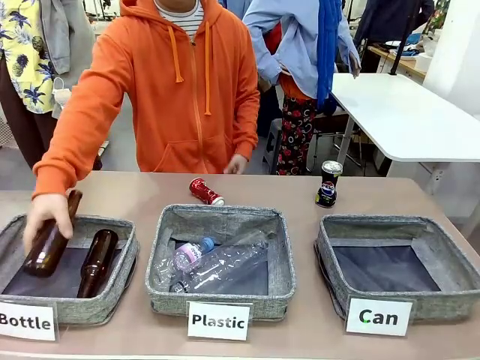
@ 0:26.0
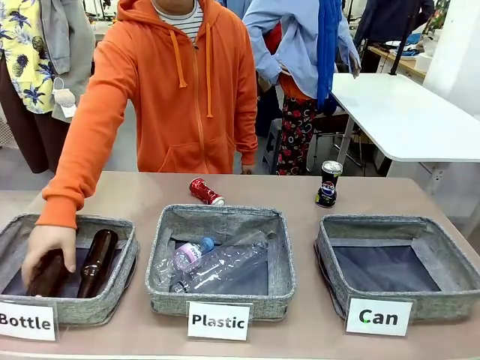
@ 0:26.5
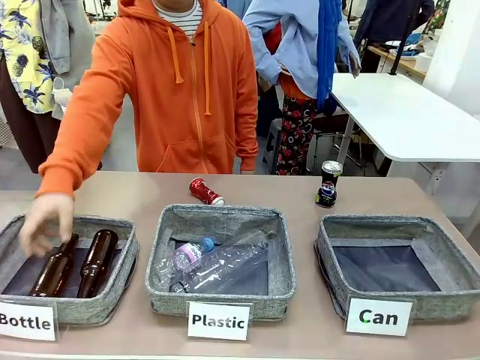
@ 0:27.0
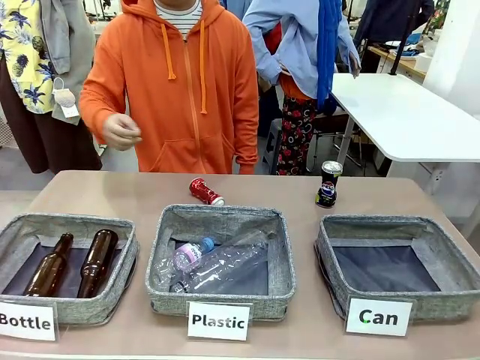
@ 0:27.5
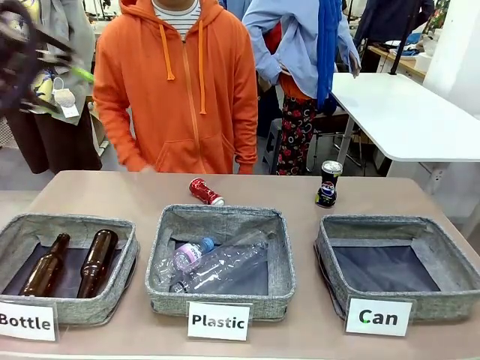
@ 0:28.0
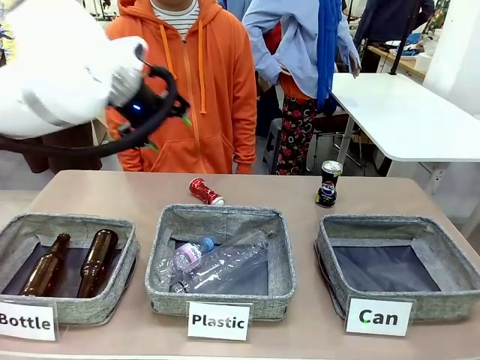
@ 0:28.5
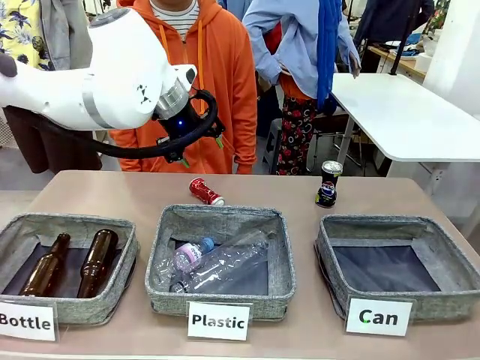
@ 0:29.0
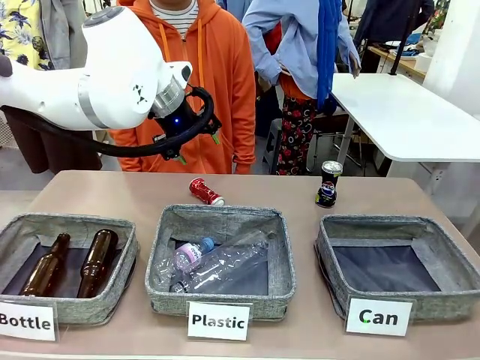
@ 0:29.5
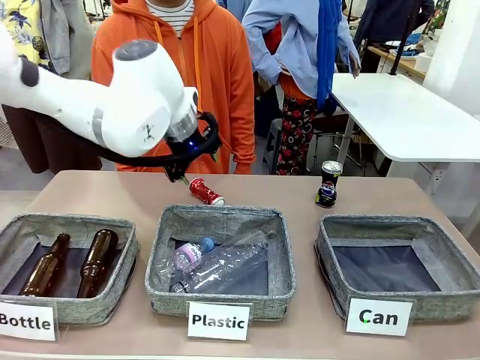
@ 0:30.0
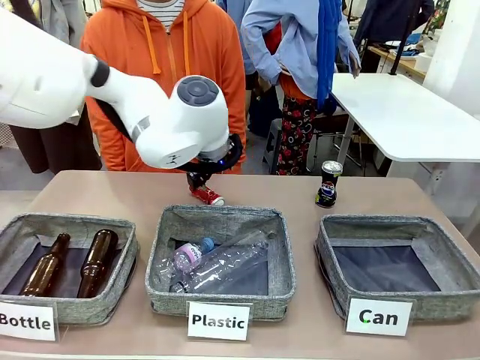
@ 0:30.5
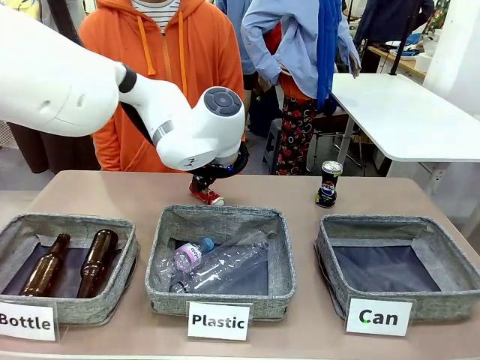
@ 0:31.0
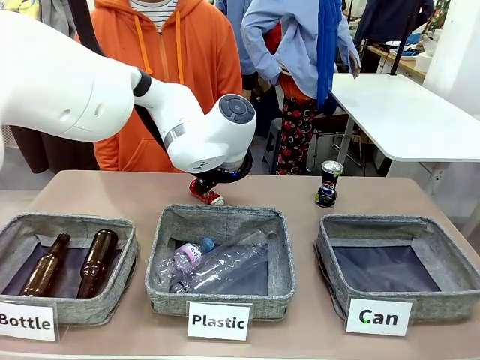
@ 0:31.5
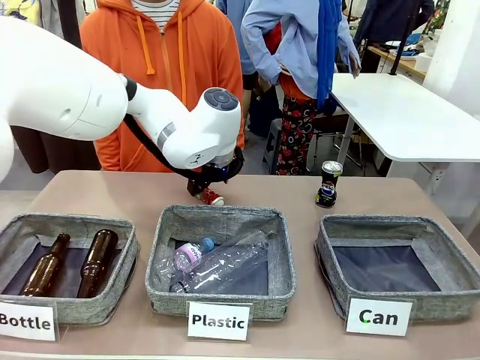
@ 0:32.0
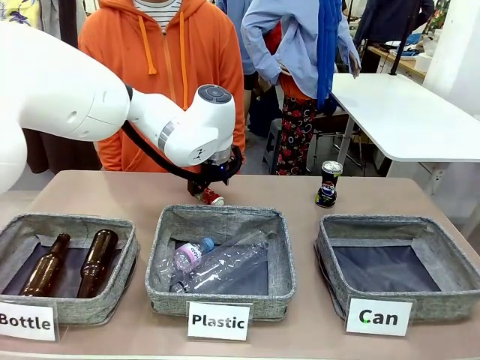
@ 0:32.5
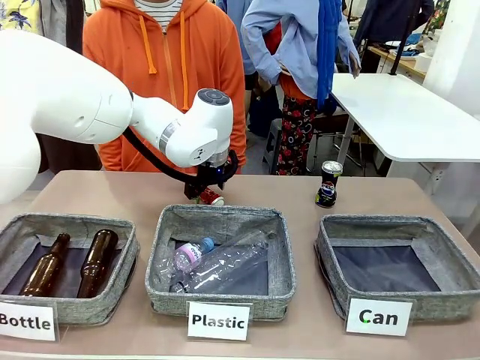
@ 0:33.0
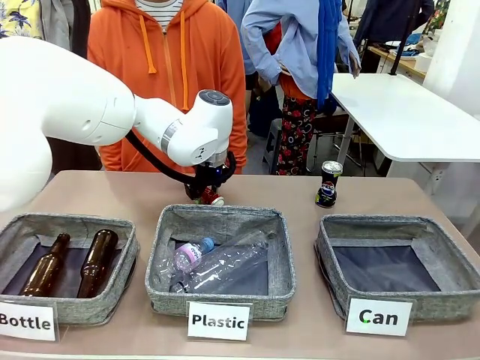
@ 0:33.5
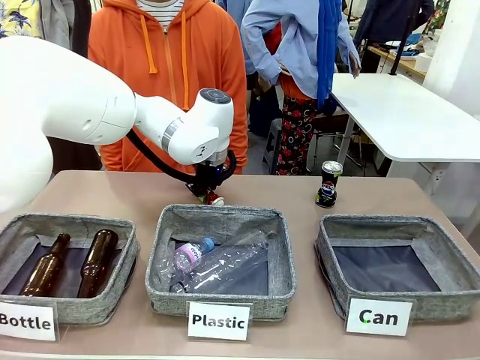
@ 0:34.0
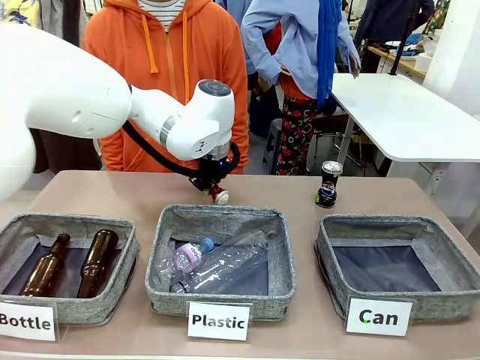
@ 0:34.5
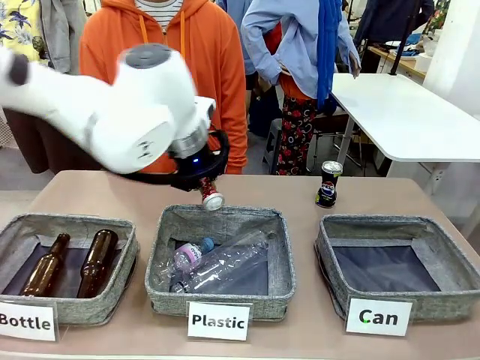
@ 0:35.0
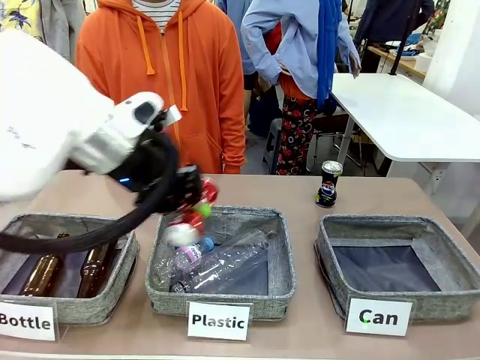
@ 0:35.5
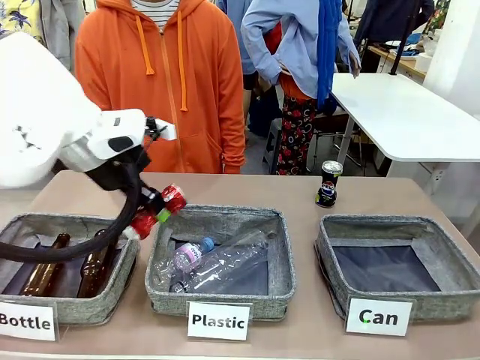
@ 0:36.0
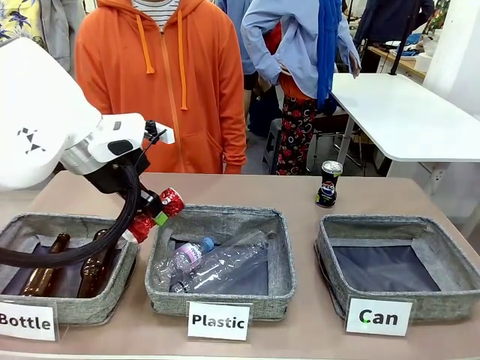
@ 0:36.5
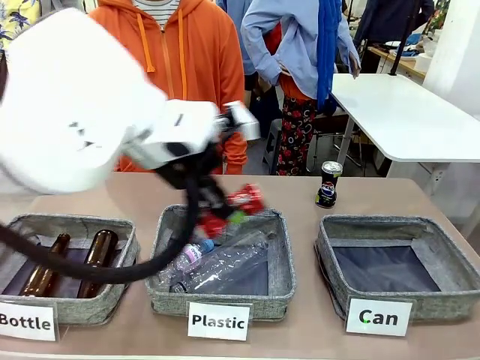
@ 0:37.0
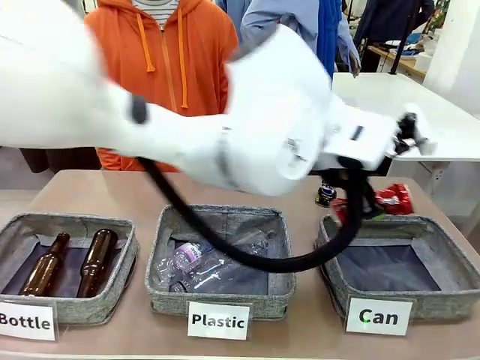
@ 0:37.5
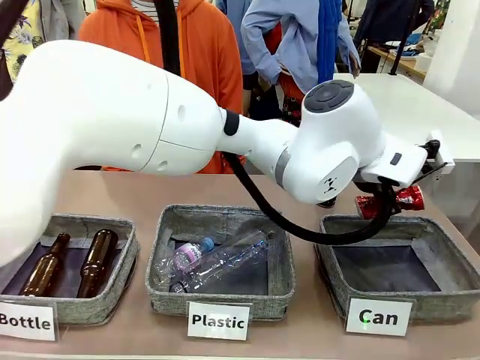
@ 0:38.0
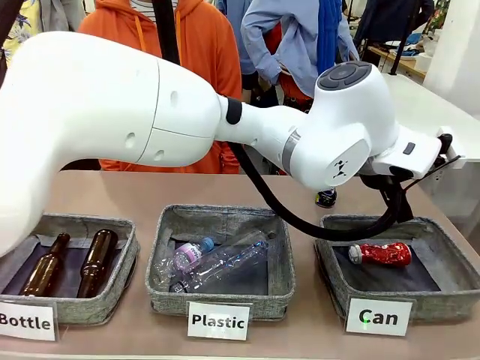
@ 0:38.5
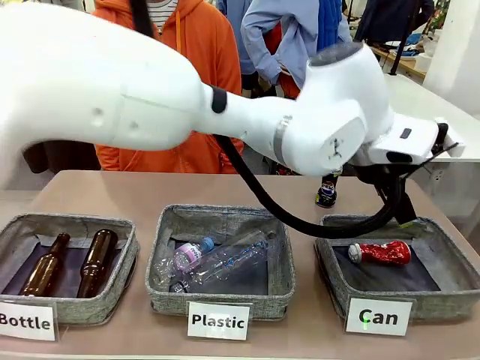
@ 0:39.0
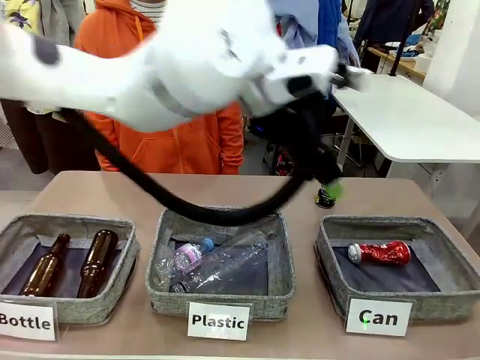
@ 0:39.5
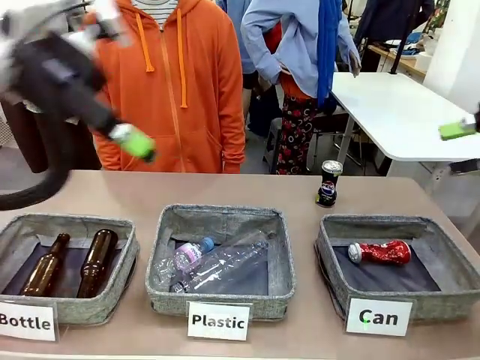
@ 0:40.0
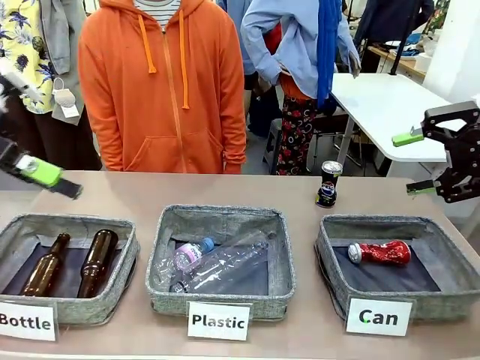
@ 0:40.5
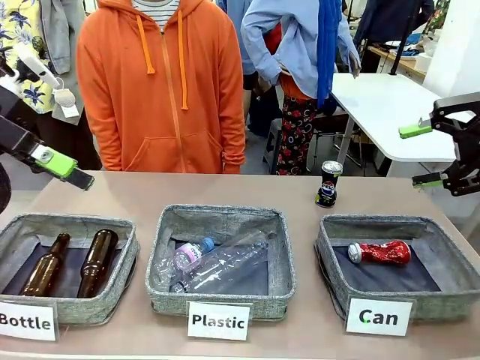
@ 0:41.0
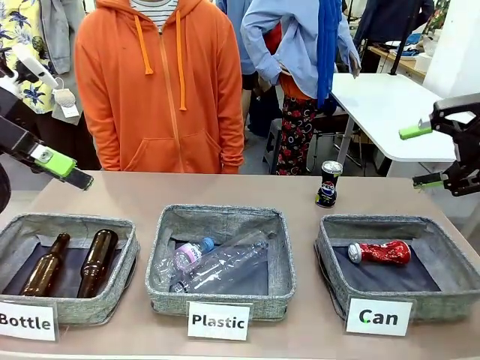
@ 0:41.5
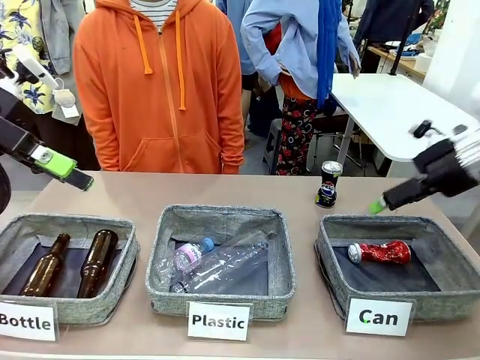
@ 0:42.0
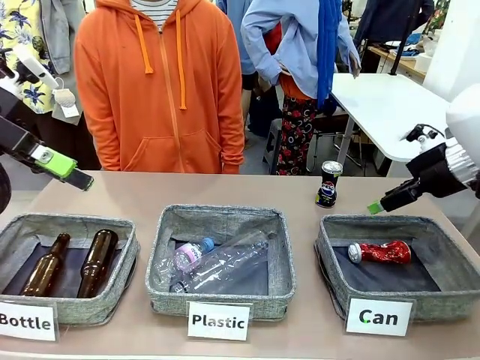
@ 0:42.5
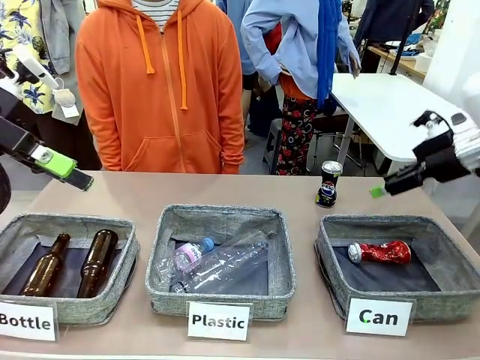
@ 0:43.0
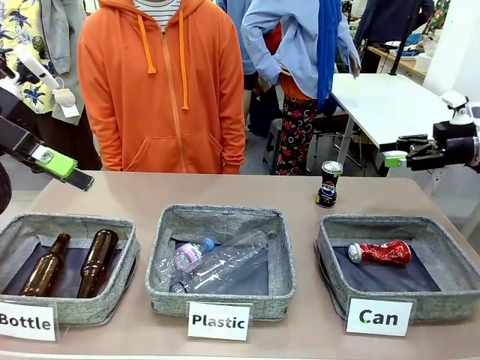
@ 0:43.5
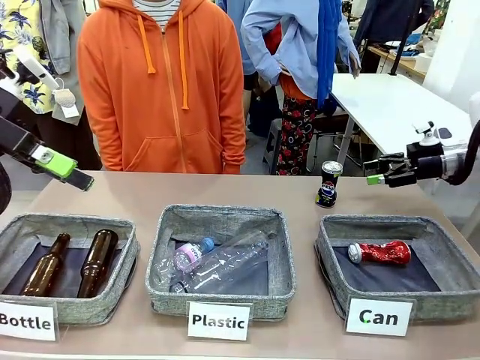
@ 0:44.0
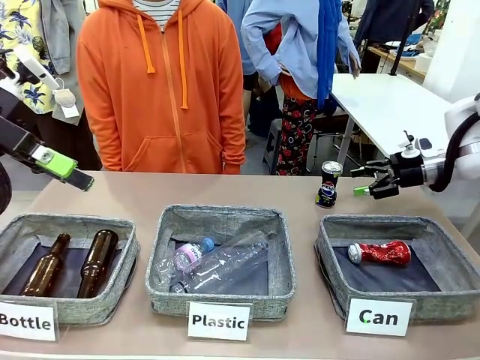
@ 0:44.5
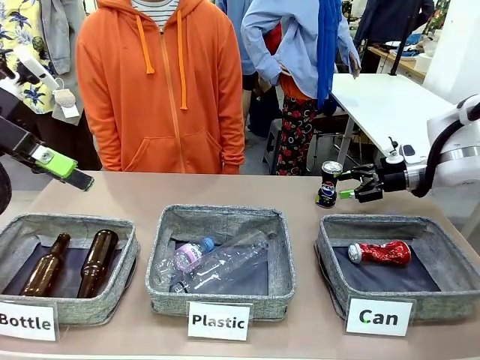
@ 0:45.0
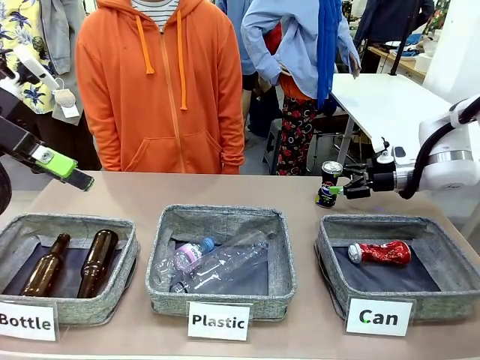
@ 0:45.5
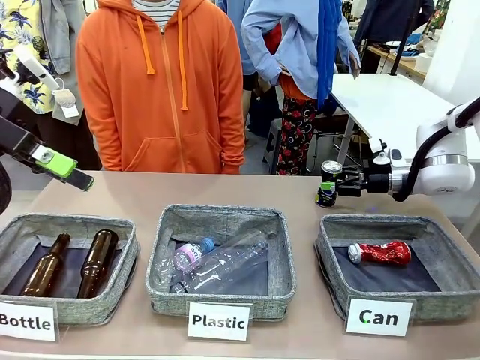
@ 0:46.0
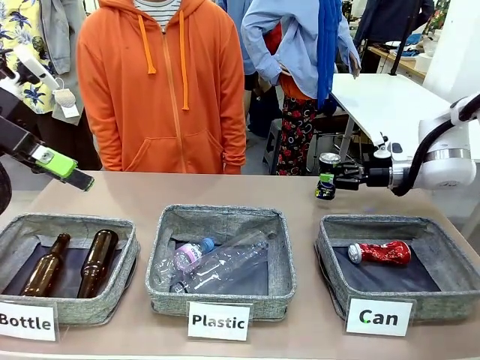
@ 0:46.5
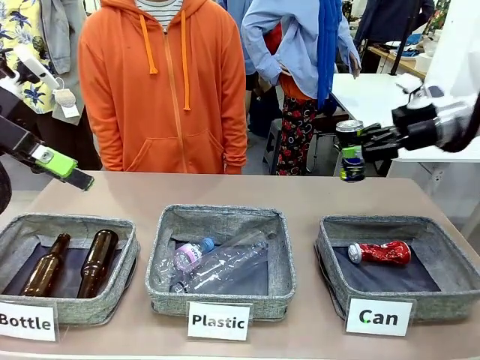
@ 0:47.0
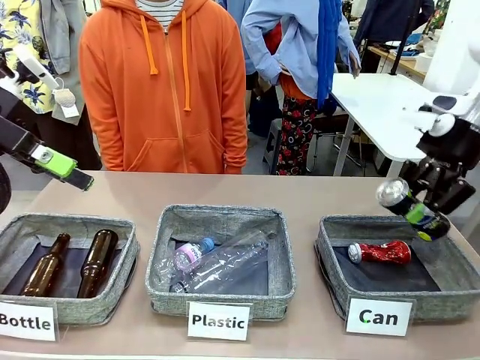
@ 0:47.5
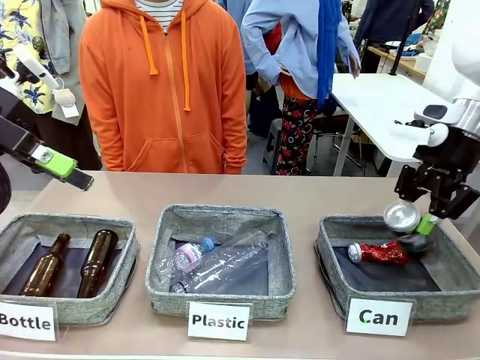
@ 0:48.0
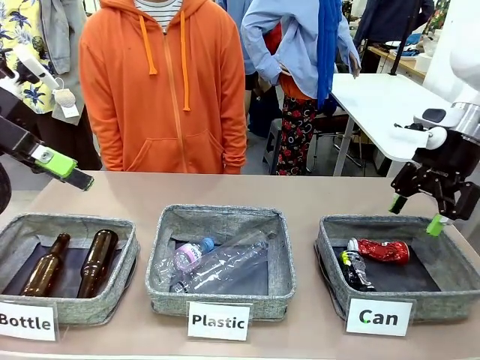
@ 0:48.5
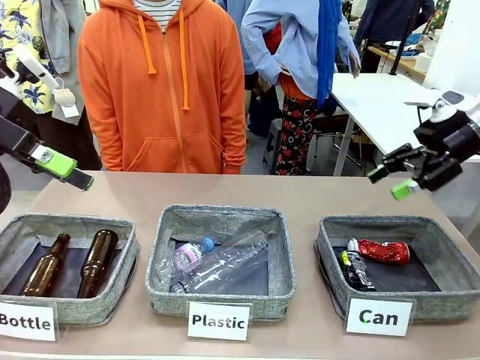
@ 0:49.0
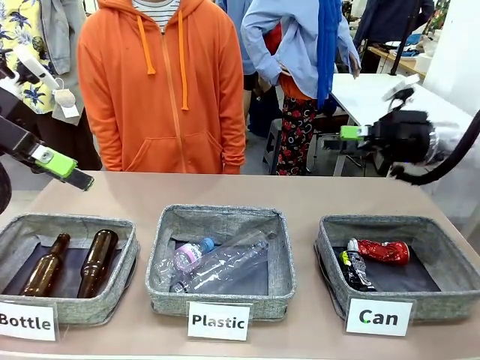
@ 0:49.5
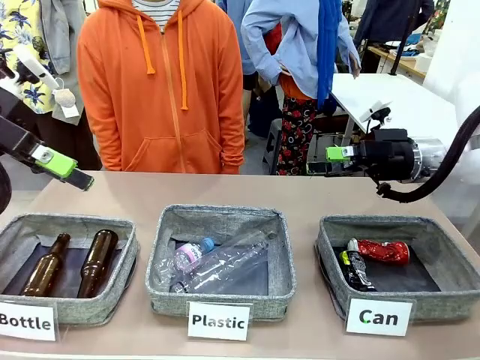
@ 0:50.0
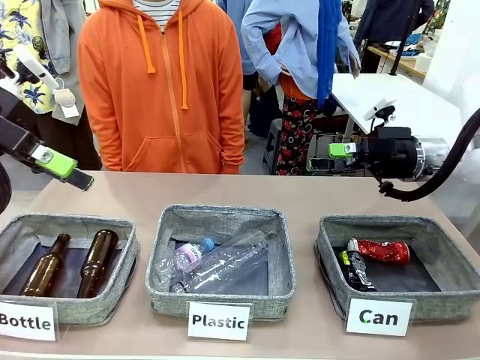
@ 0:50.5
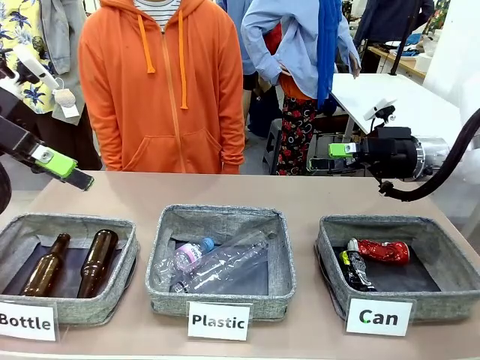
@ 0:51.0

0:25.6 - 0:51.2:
Task: Sort the can waste into the basket.
Robot: Pick up the can waste from the table and place it in the right Fabric basket.
